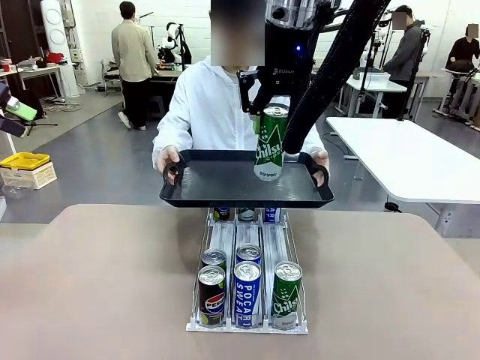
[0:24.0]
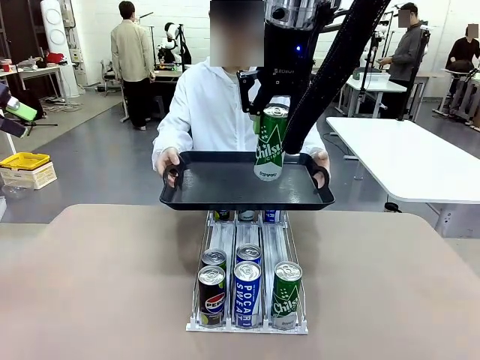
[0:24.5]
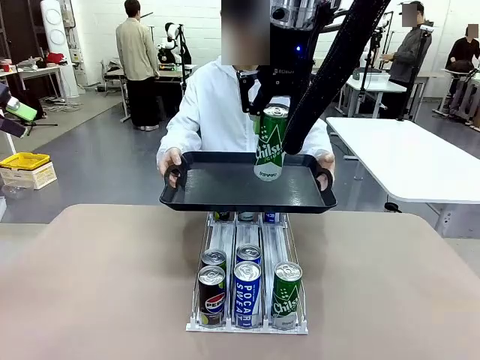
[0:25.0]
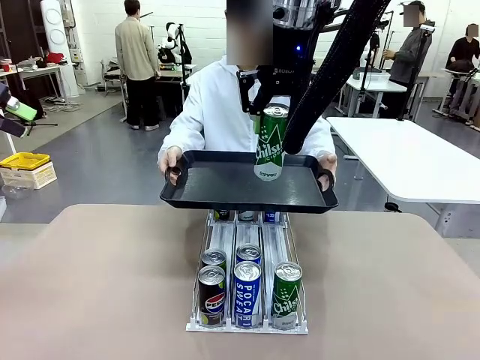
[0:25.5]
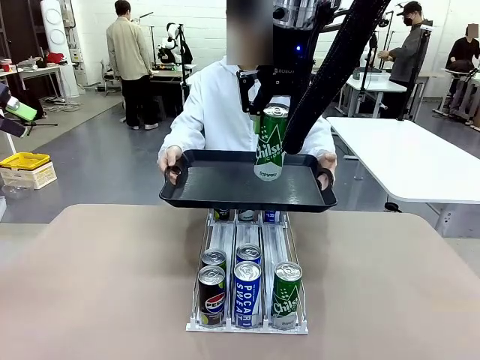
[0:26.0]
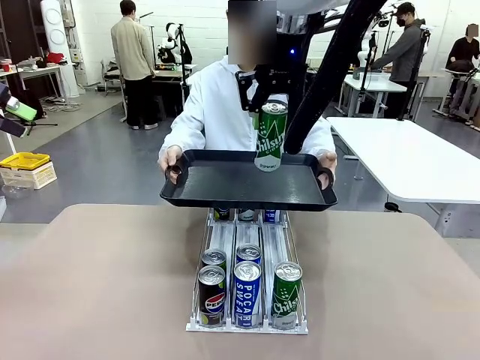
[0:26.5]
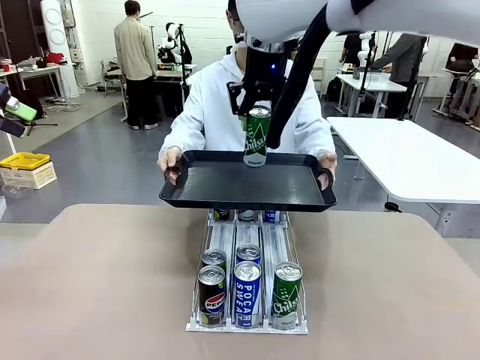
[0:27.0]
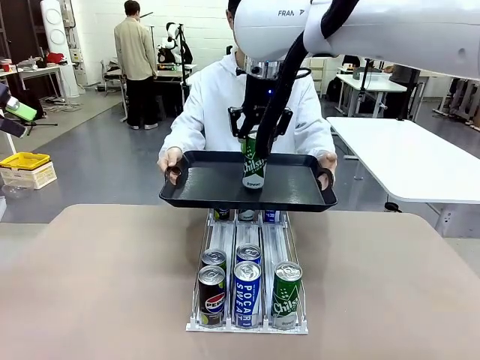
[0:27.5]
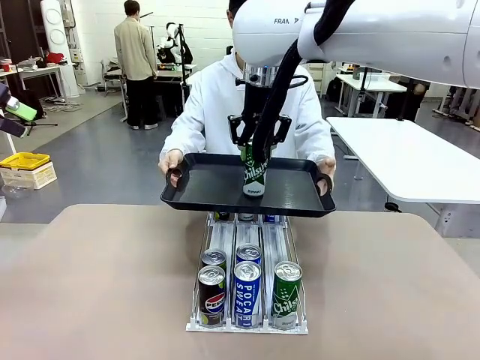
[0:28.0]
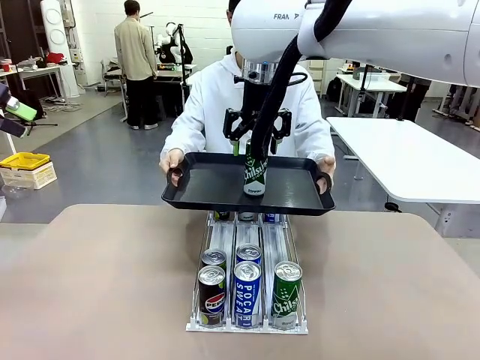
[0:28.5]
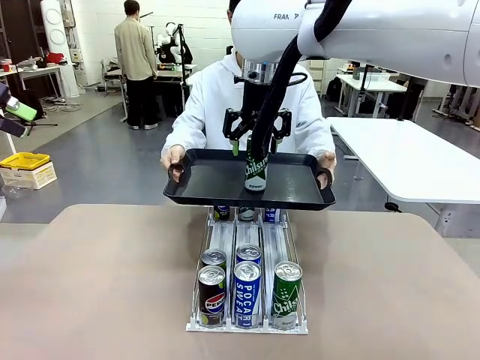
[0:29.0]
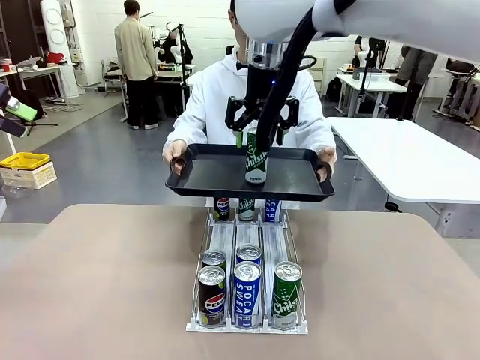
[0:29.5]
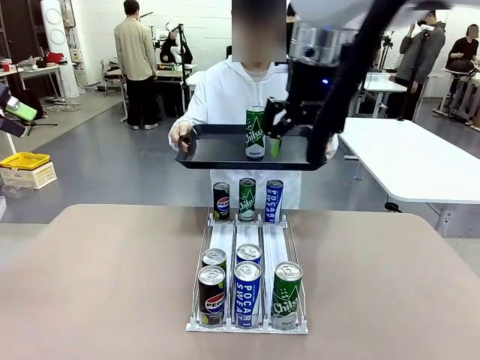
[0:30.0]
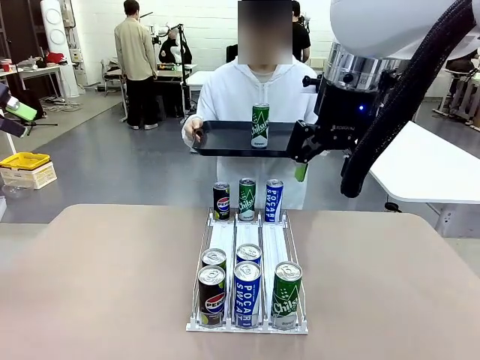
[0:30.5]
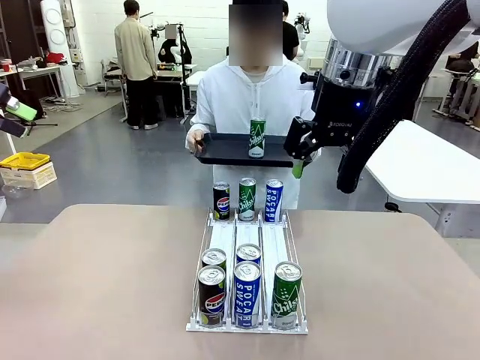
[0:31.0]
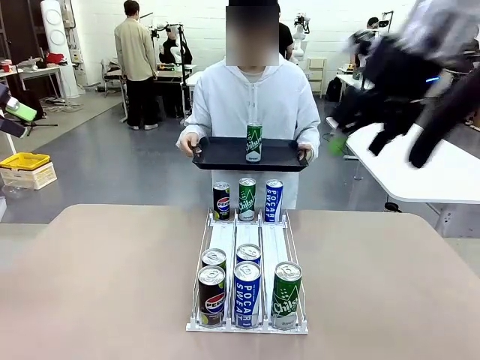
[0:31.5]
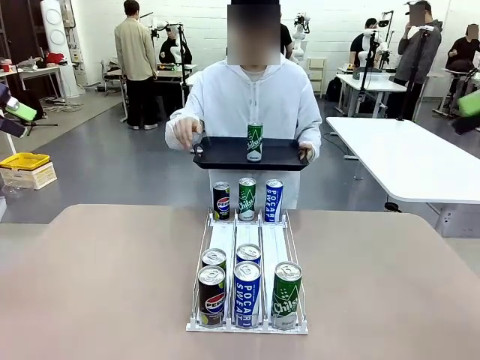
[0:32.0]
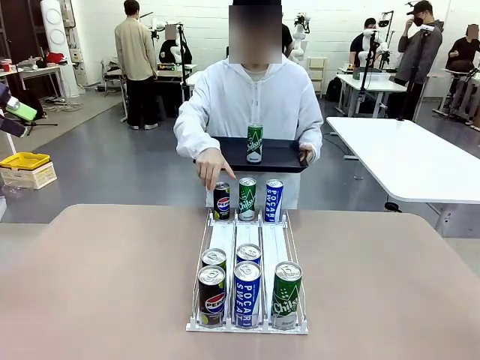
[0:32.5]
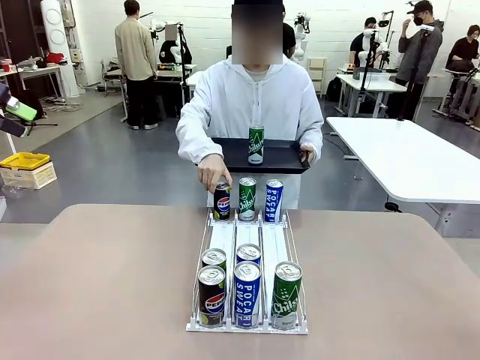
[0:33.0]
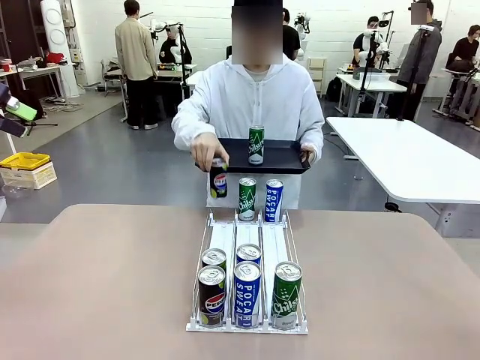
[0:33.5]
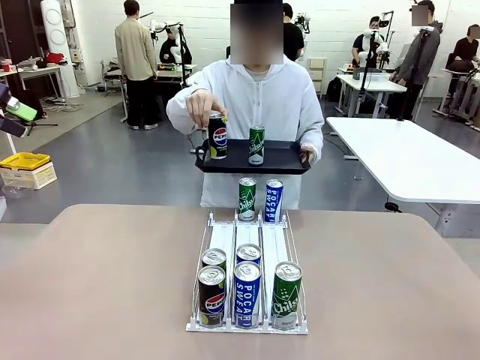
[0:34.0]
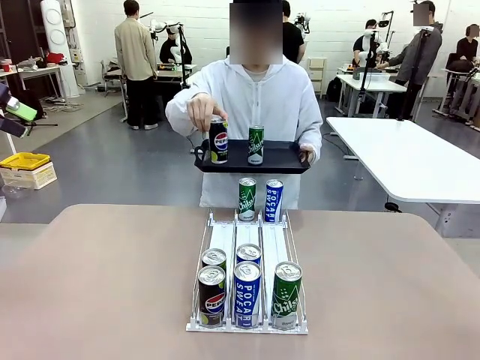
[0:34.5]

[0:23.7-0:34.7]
Task: Retrieve and hand over the desired beverage to the person.
Robot: Place the picked can on the Handle tray extended by the person.
Person: Pull the tray back, then pick up another can from the bottom area of the table and puts it back in its original place.

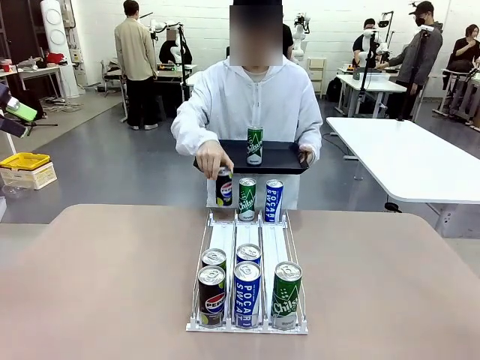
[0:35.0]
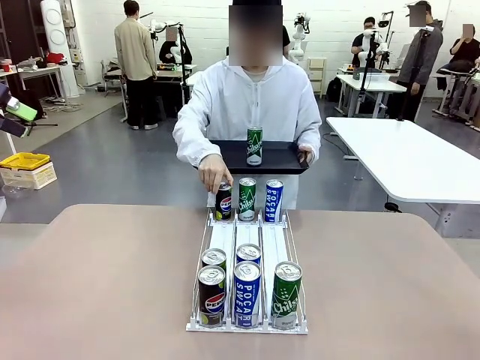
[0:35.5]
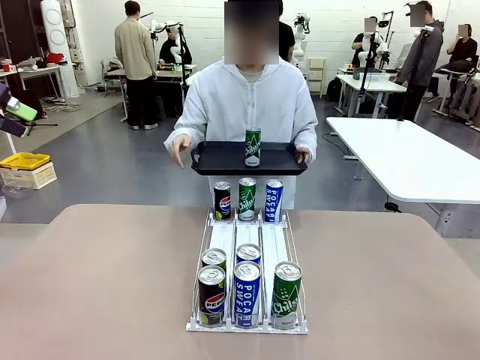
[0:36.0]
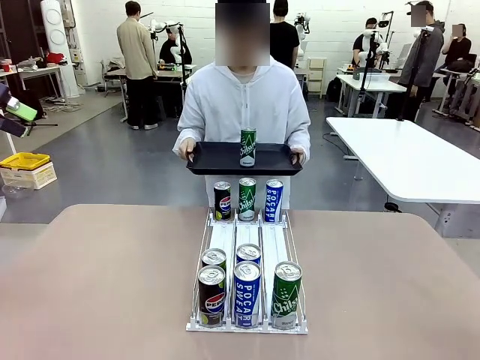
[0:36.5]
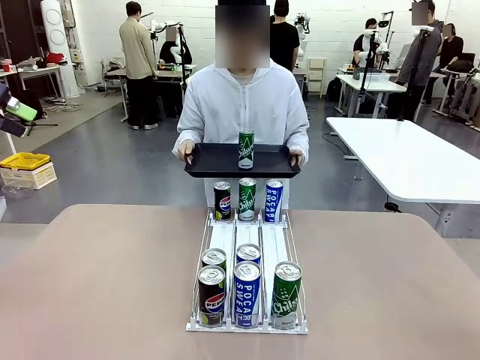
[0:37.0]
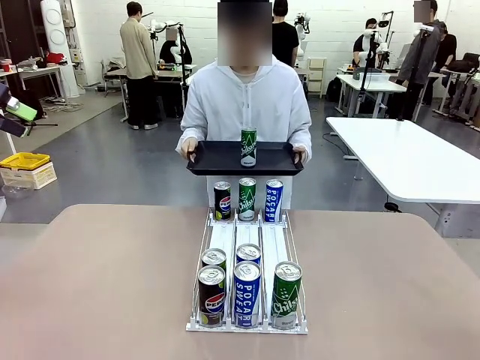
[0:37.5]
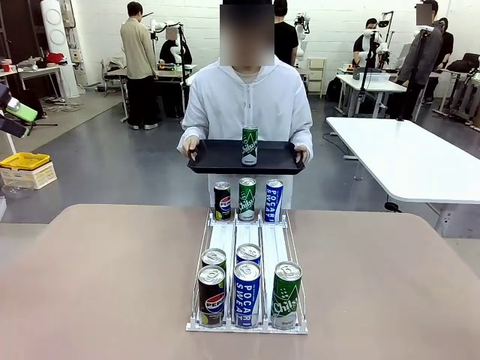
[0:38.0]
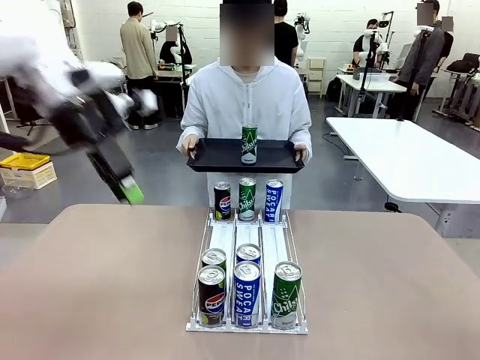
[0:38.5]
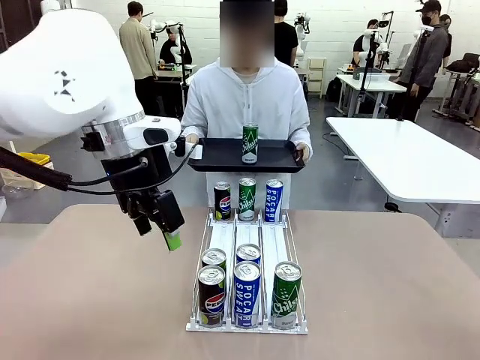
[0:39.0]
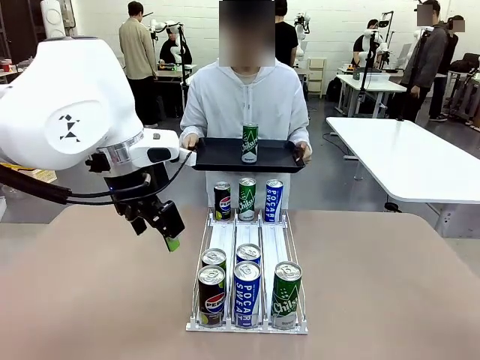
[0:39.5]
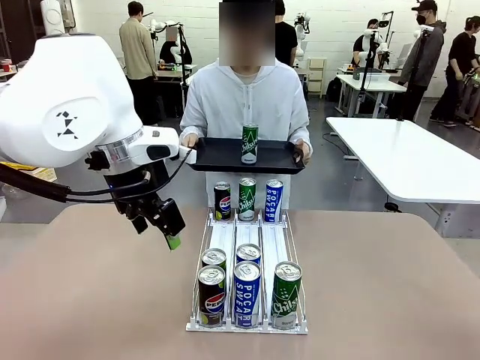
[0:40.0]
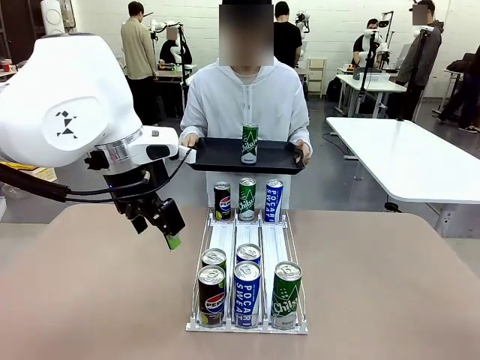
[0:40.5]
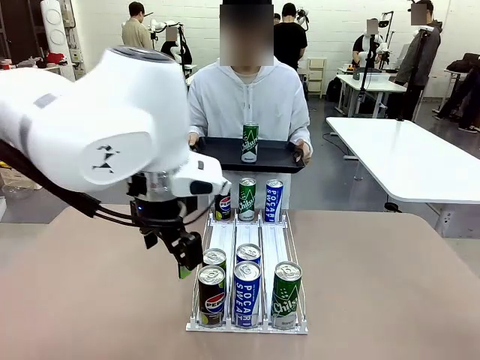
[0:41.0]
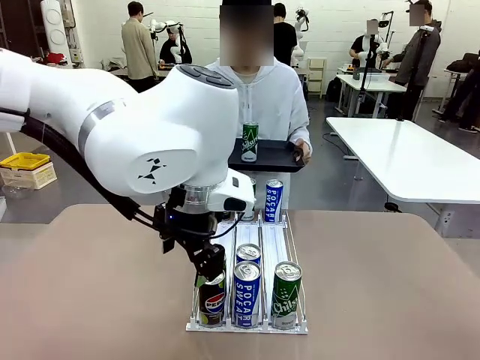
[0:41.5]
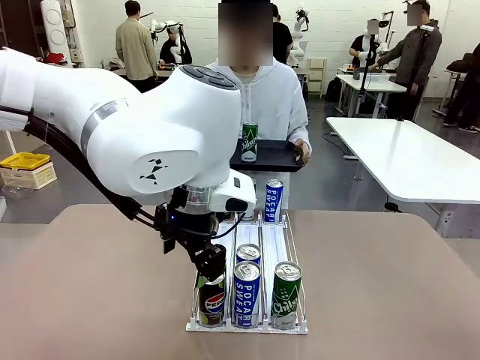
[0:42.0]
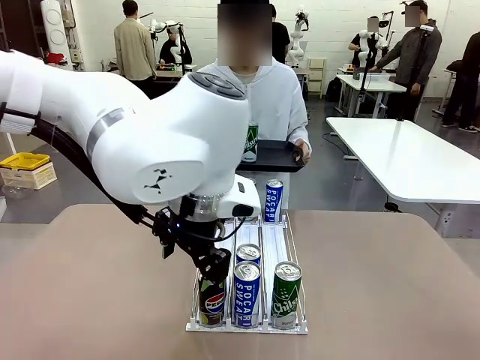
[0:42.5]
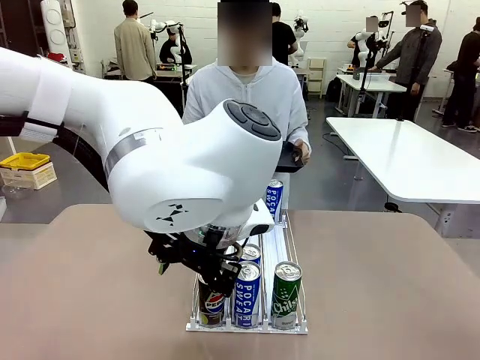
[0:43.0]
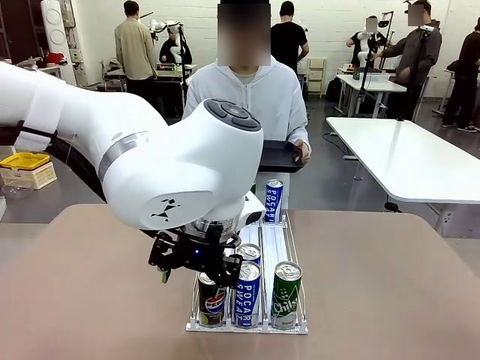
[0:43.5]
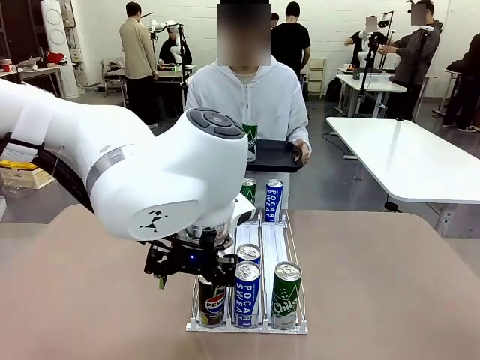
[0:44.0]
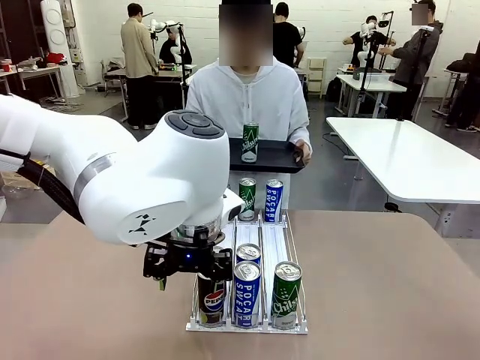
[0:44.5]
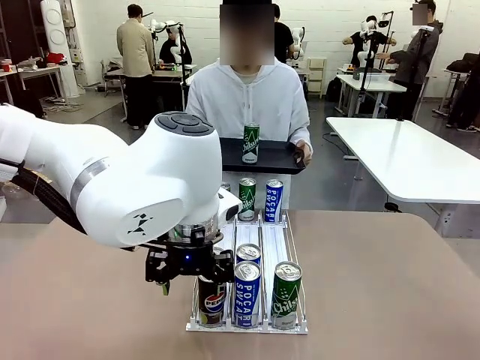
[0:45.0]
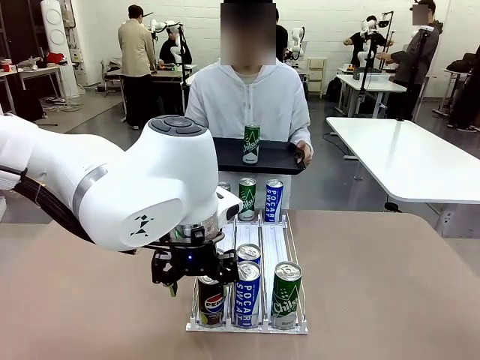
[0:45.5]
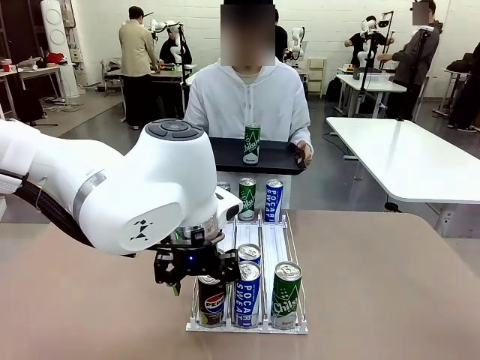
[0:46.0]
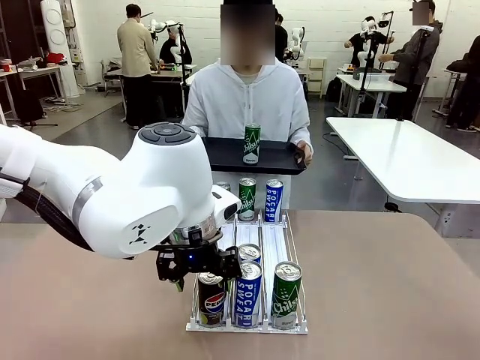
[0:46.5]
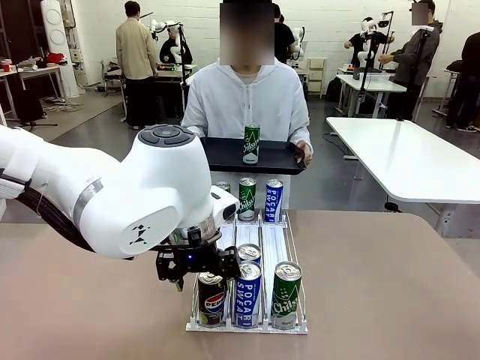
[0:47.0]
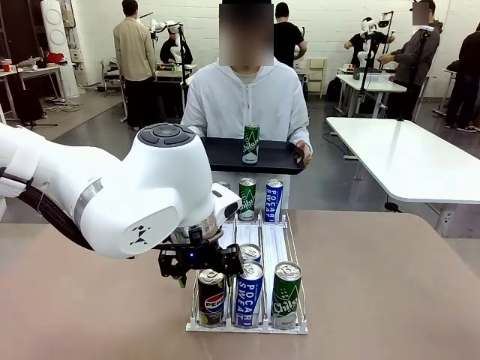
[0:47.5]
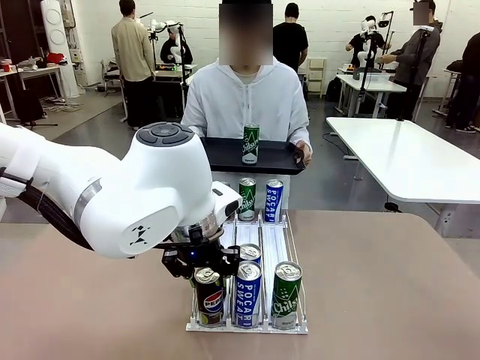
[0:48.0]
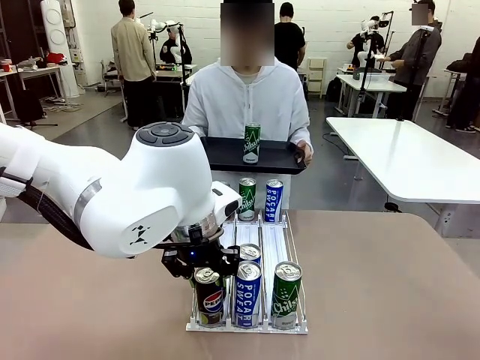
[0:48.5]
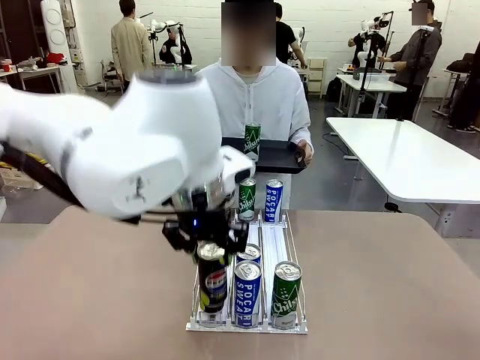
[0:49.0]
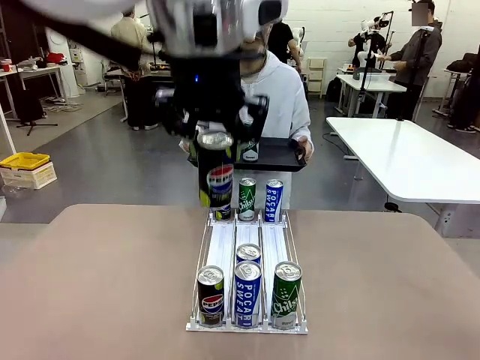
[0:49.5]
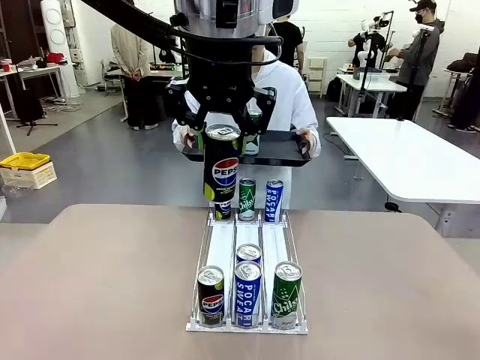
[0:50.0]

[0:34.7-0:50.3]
Robot: Pick up another can of the same type that the person held from the Automatic Can Dispenser.
Person: Push the tray toward the robot again.
